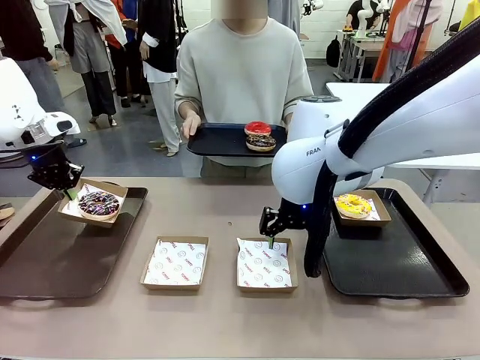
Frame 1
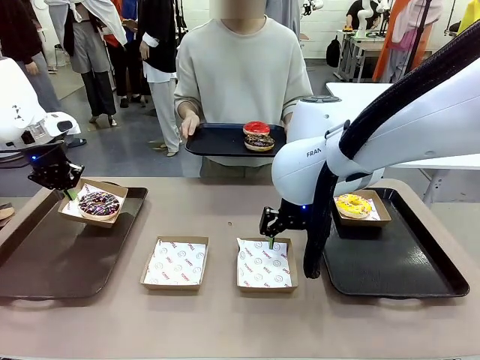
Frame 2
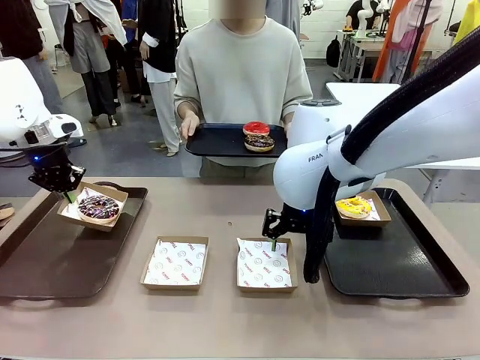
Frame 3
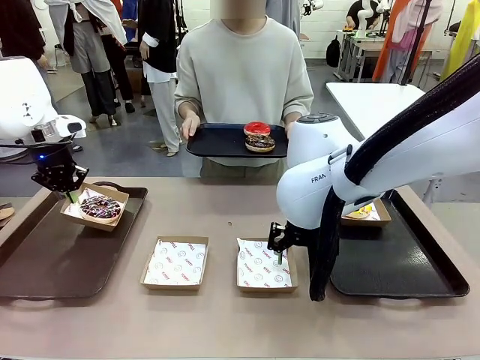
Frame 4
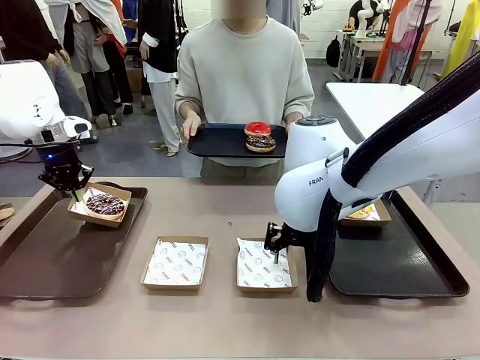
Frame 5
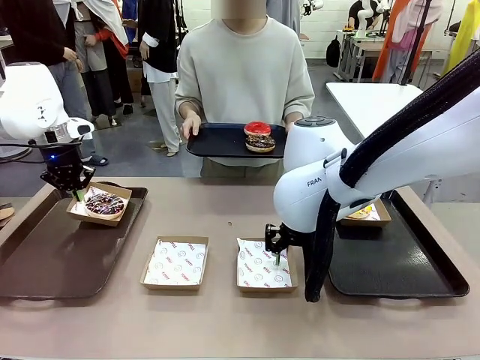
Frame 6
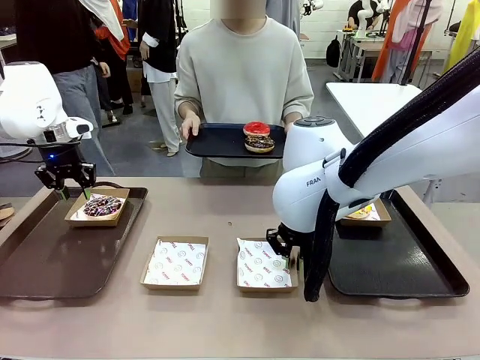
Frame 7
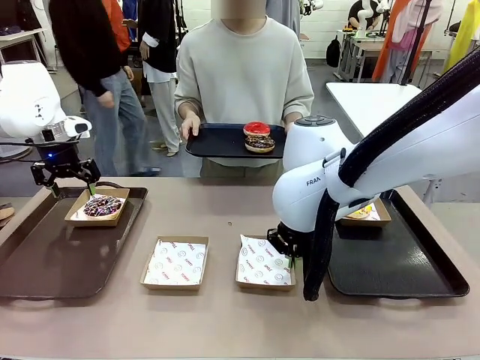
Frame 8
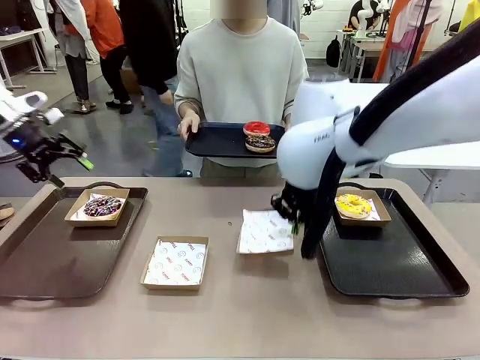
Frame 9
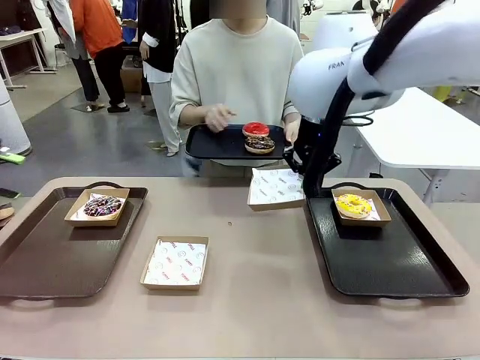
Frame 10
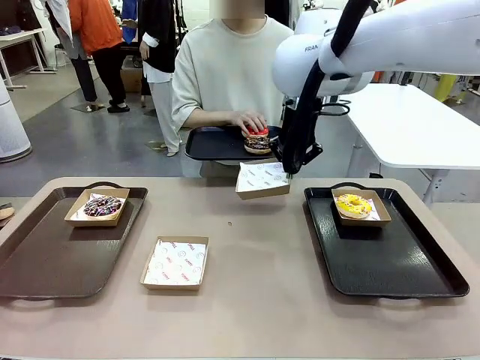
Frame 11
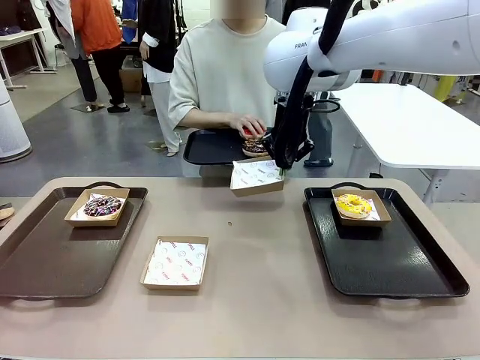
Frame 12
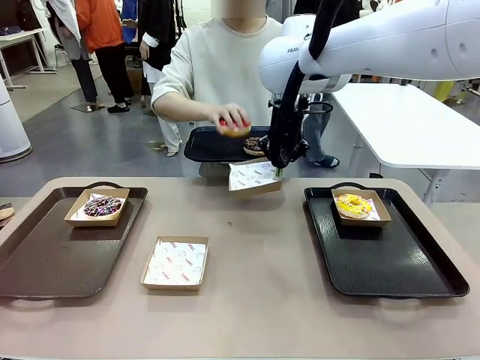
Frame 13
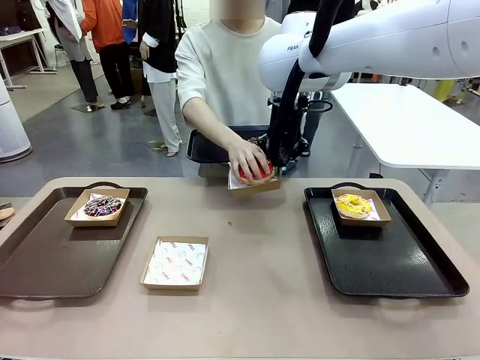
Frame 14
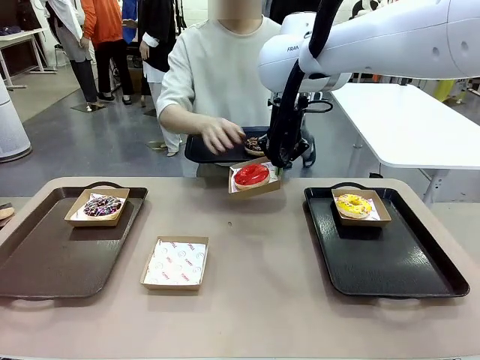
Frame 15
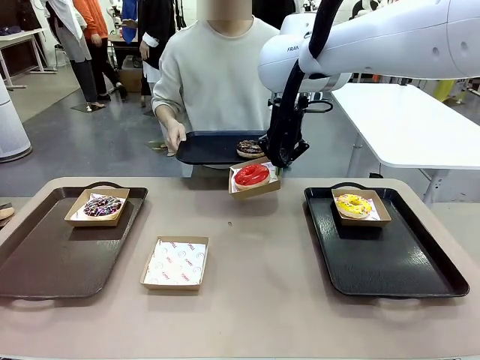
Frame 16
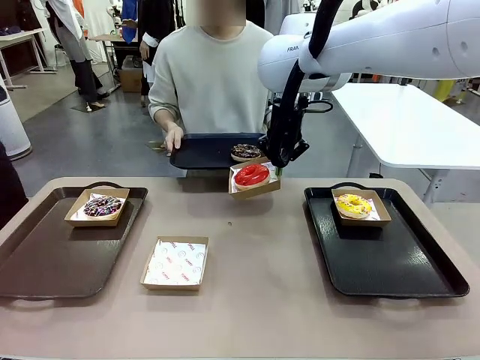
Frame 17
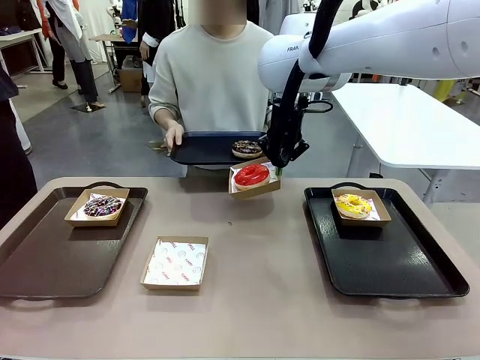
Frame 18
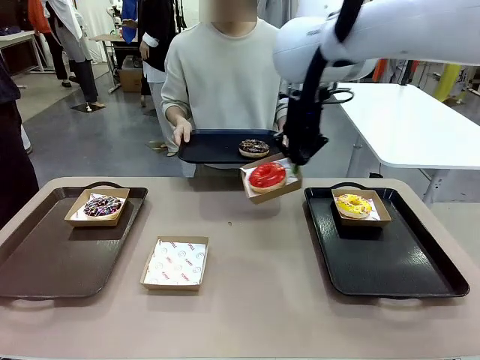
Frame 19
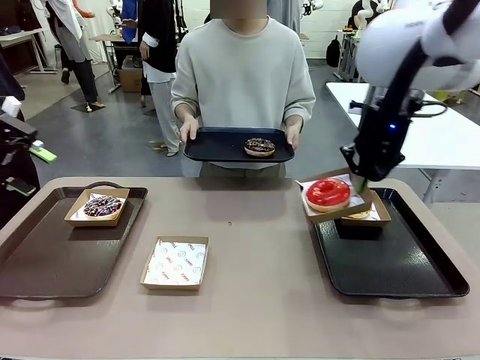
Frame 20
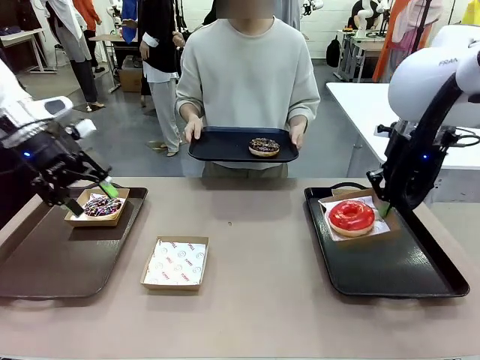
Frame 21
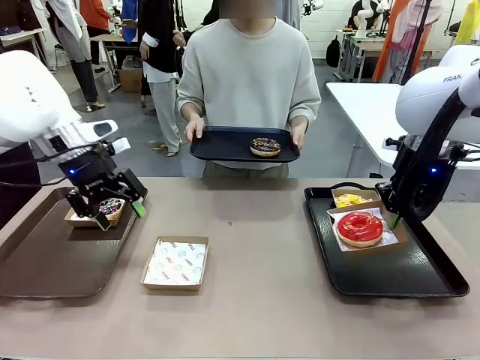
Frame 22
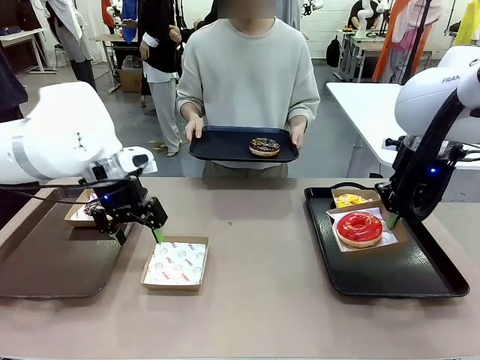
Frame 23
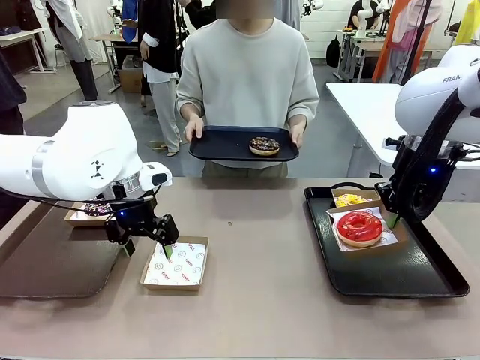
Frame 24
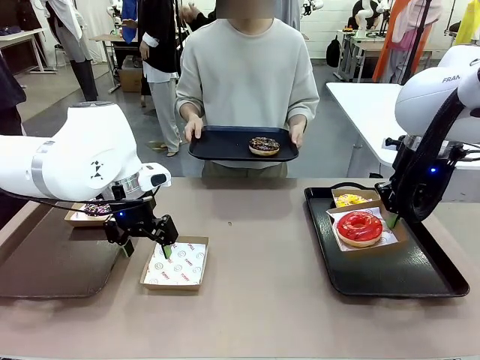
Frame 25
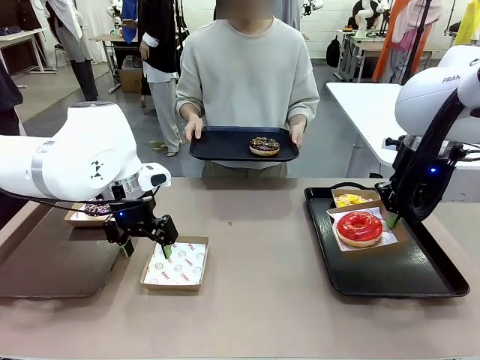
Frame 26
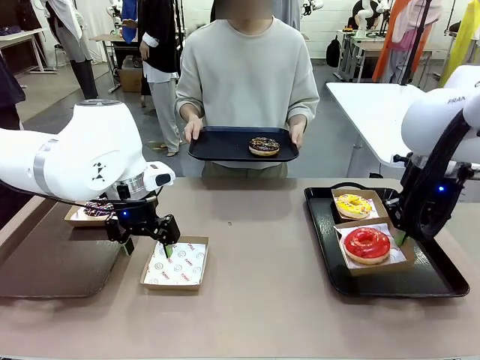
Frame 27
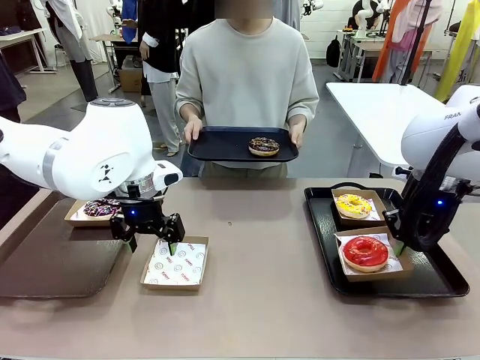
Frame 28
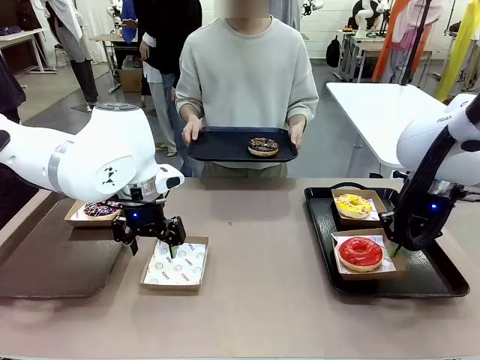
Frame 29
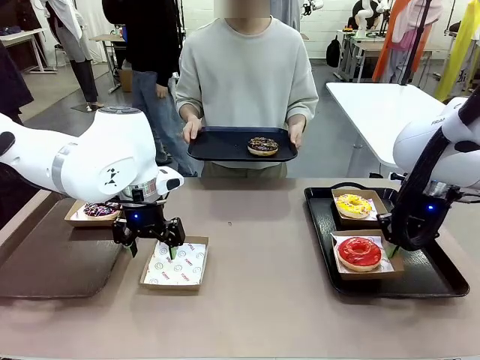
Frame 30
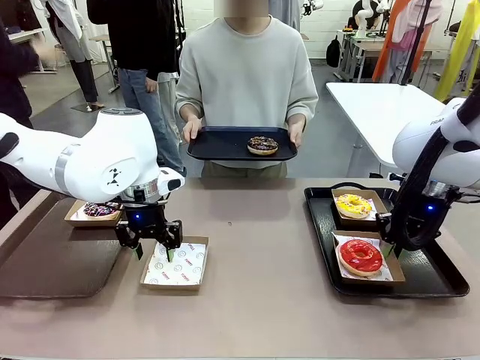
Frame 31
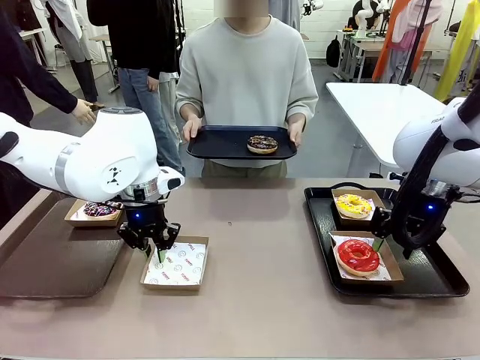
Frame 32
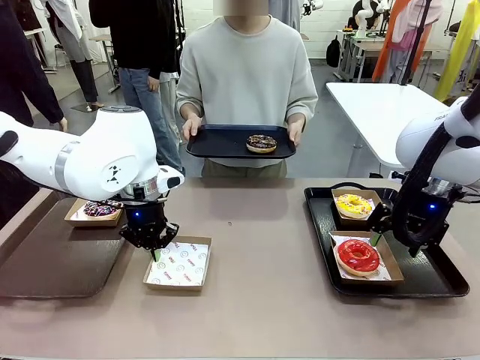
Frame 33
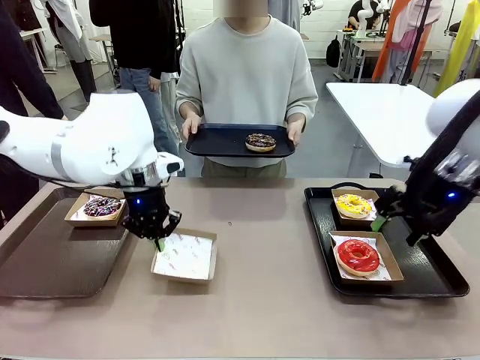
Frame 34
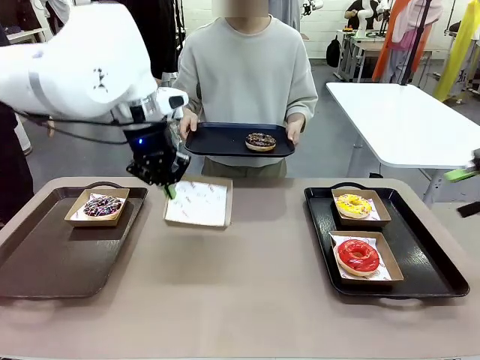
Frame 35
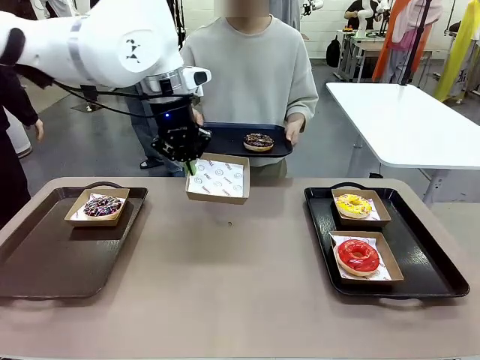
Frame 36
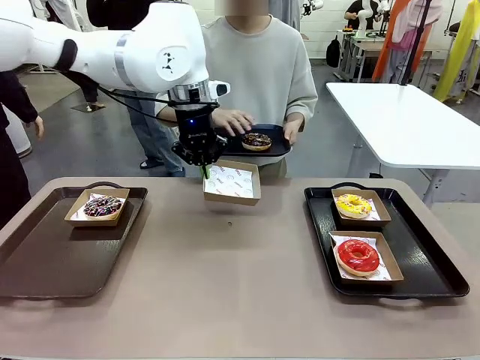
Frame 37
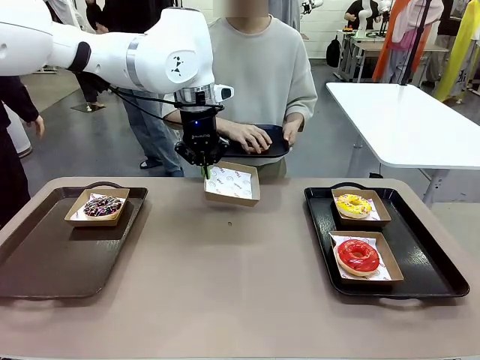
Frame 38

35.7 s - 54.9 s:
Task: Individually package the donuts and arrange them on the tray.
Robot: Place the picked Paper togo box on the Handle tray while simultaneously picking up another Paper togo box from the table with the other hand.

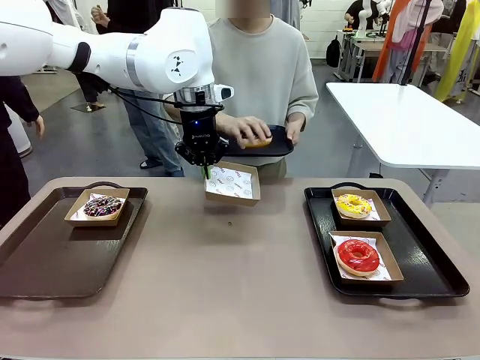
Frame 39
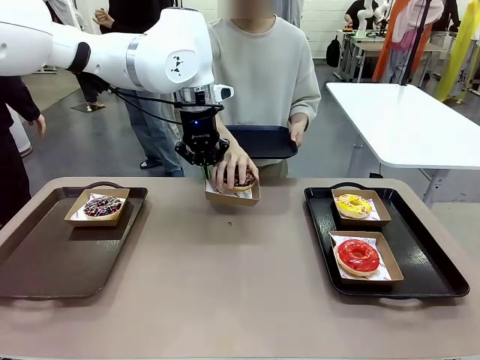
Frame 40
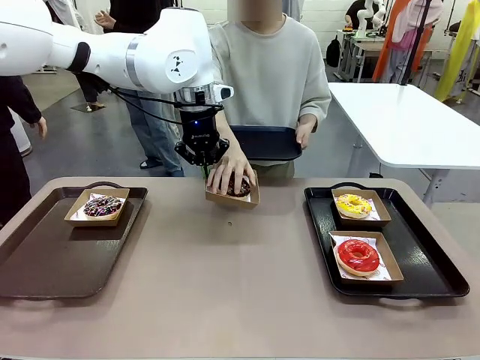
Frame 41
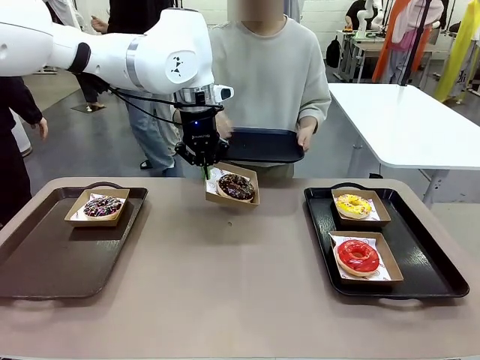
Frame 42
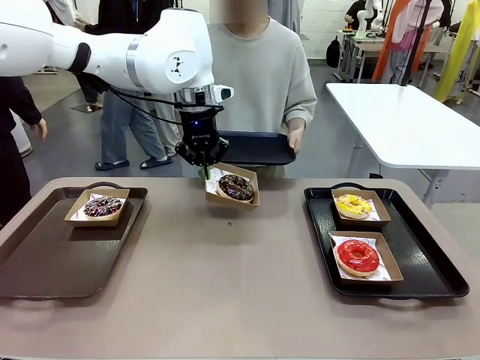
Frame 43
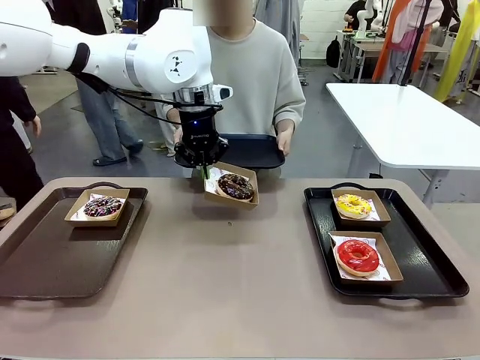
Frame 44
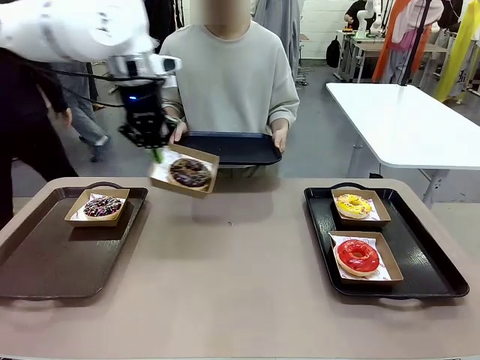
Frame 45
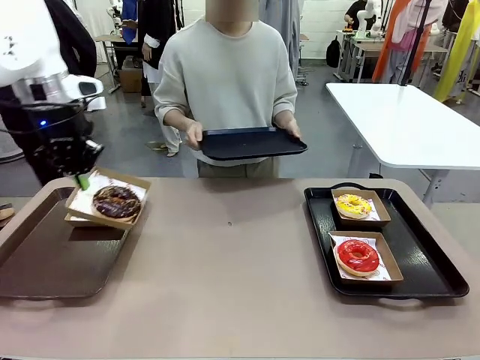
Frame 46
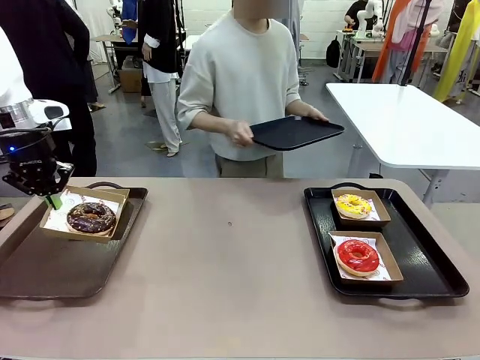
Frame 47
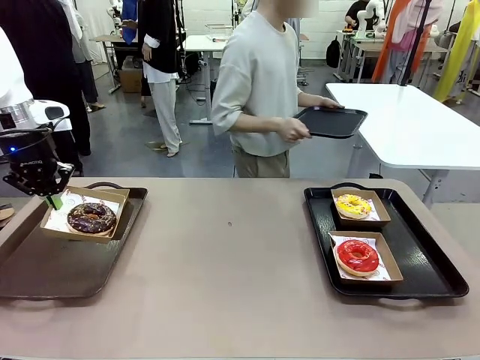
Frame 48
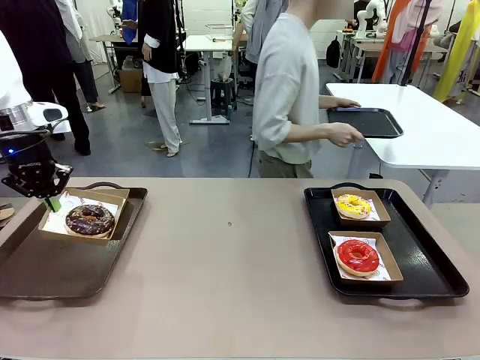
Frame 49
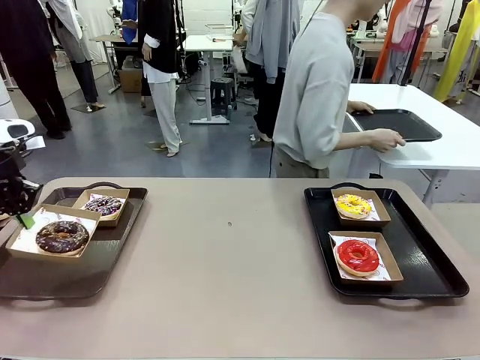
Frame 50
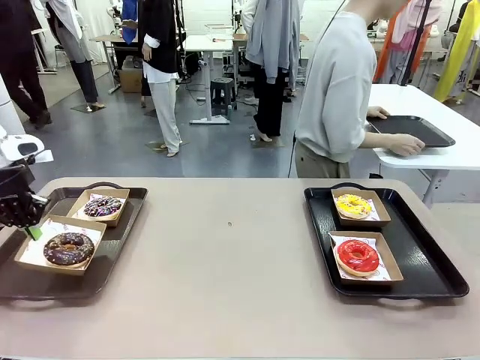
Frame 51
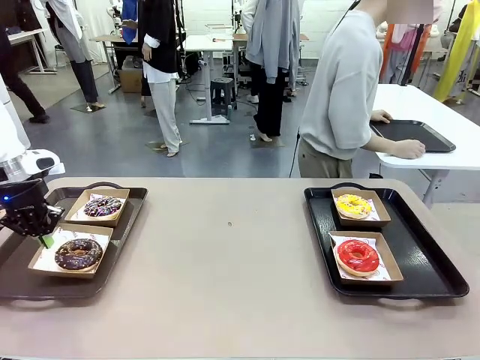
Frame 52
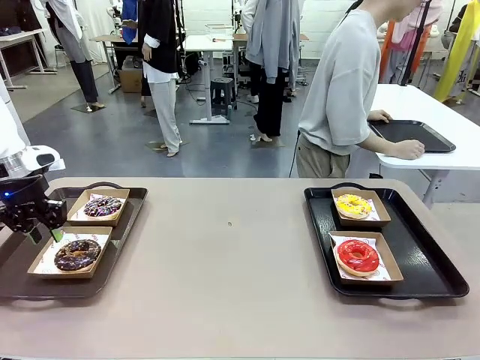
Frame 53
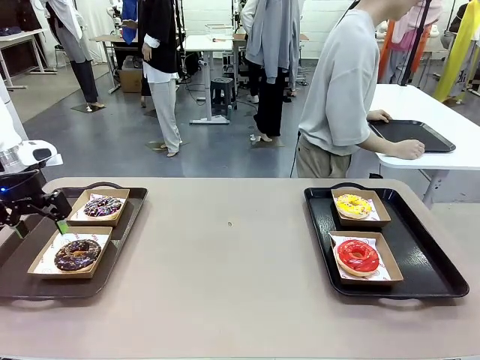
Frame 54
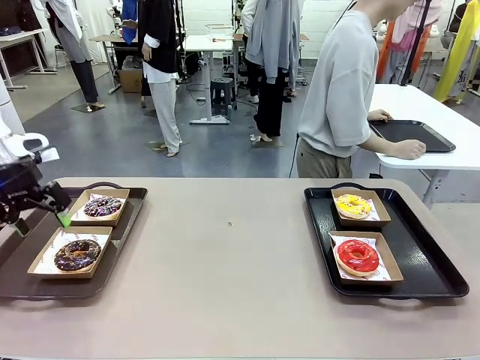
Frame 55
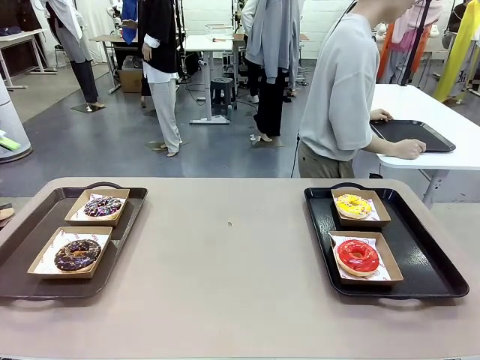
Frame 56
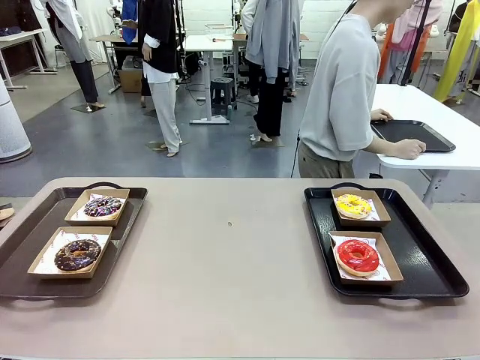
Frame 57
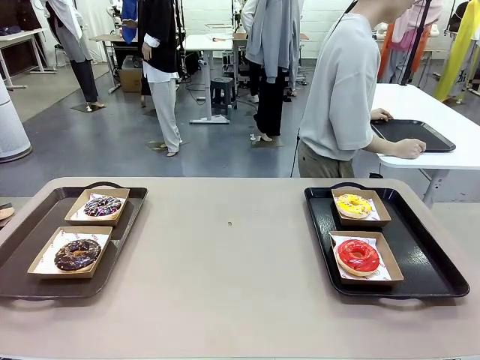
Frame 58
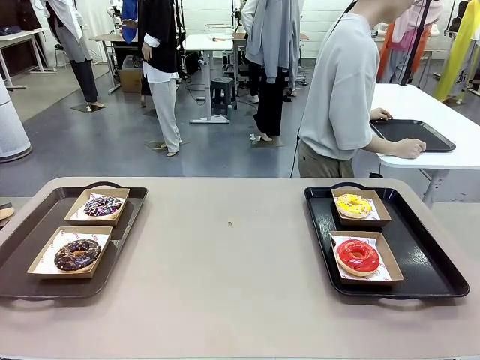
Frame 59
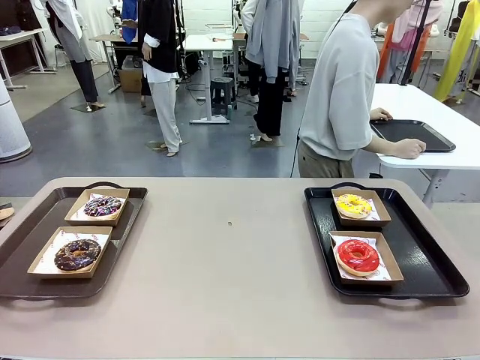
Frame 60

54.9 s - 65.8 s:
Robot: Place the picked Paper togo box on the Handle tray.
Person: Place the tray down in the middle of the human table.
